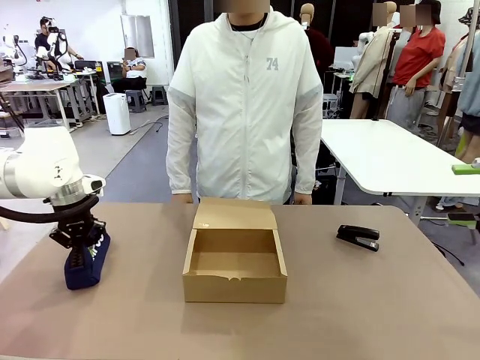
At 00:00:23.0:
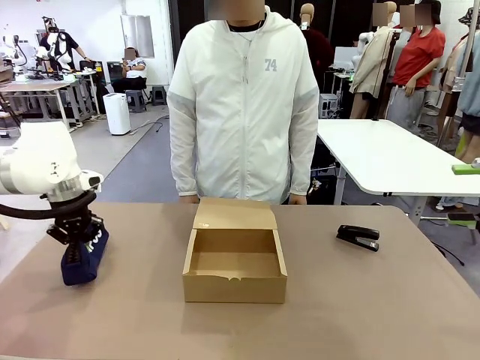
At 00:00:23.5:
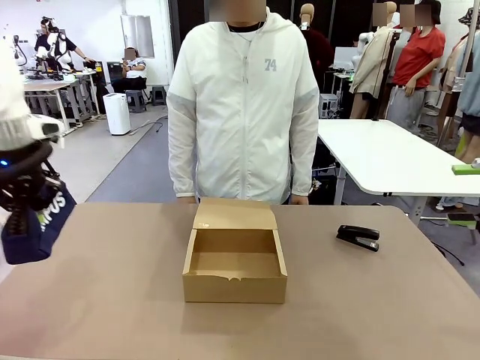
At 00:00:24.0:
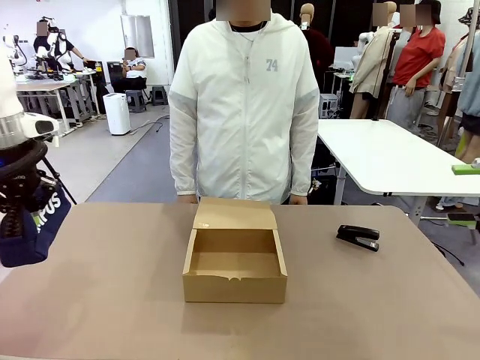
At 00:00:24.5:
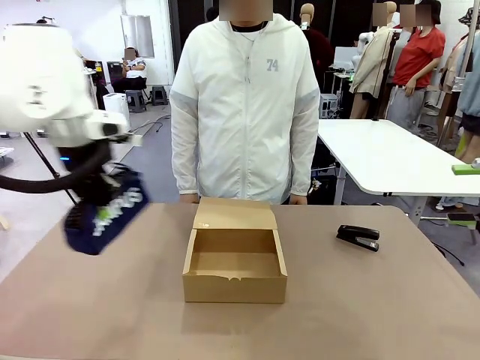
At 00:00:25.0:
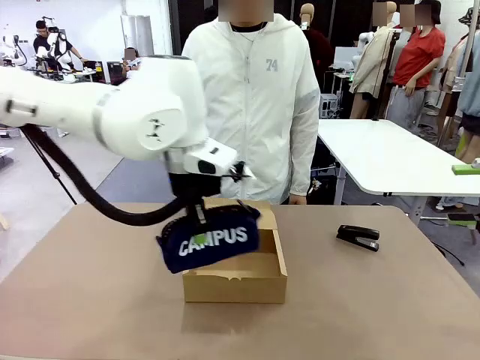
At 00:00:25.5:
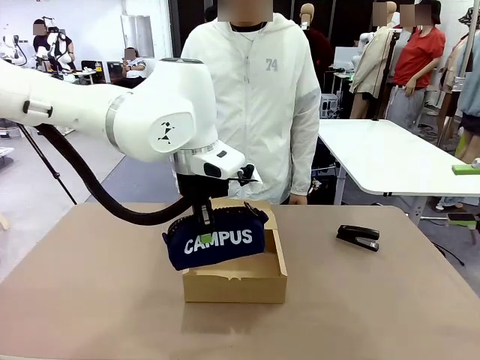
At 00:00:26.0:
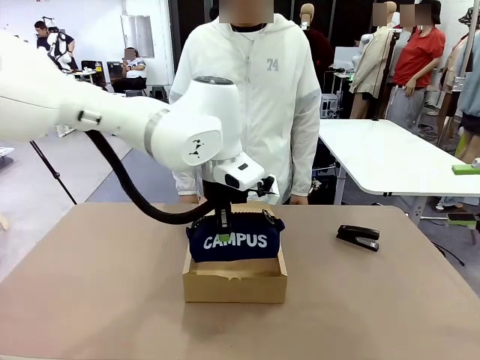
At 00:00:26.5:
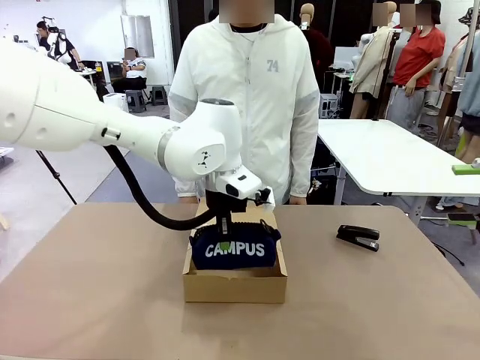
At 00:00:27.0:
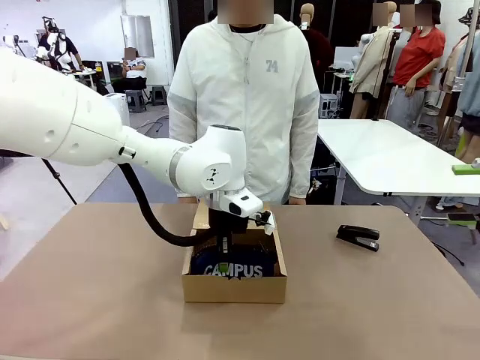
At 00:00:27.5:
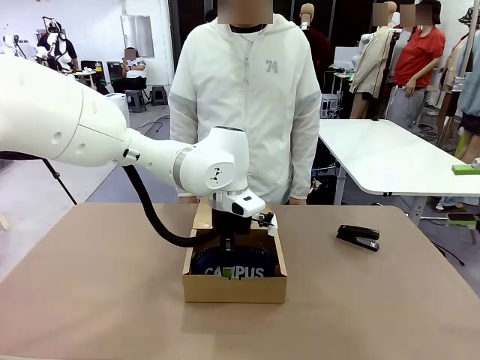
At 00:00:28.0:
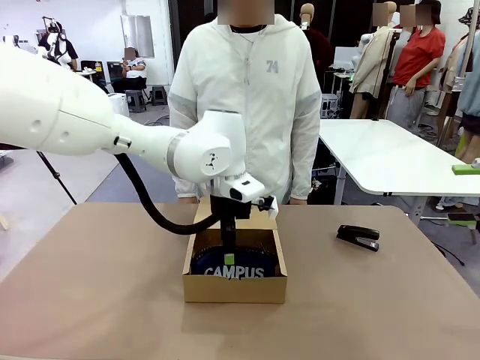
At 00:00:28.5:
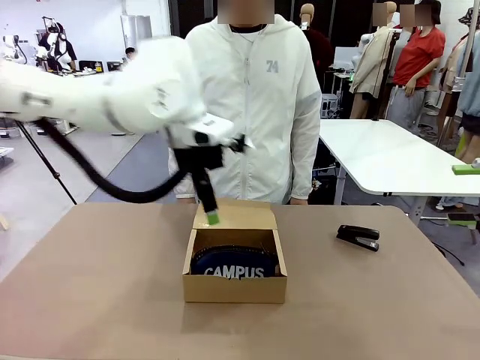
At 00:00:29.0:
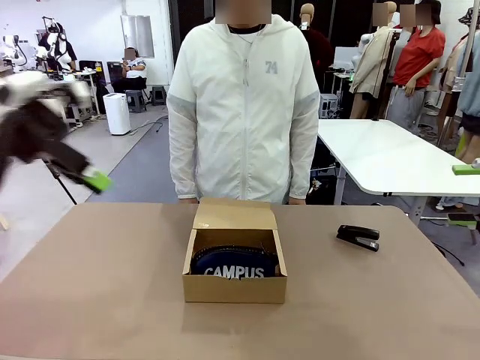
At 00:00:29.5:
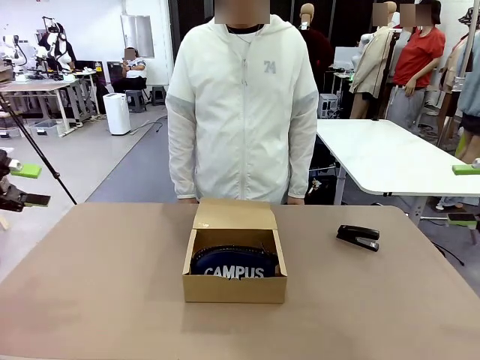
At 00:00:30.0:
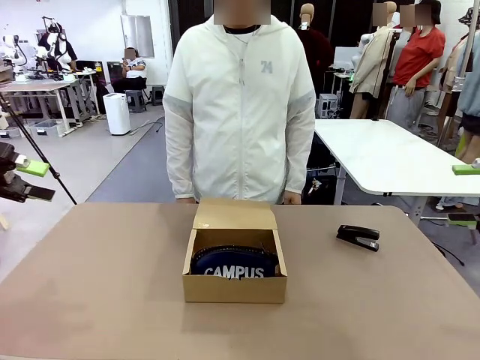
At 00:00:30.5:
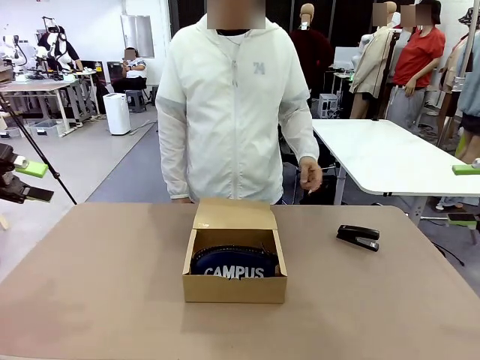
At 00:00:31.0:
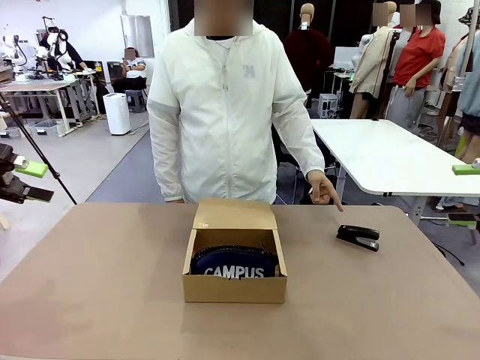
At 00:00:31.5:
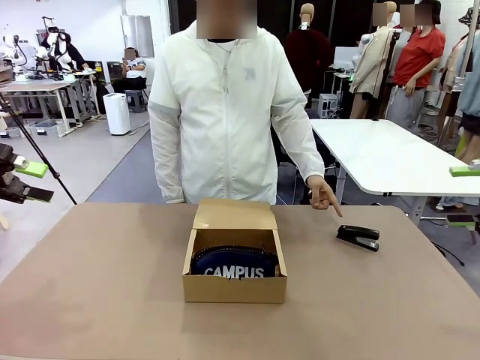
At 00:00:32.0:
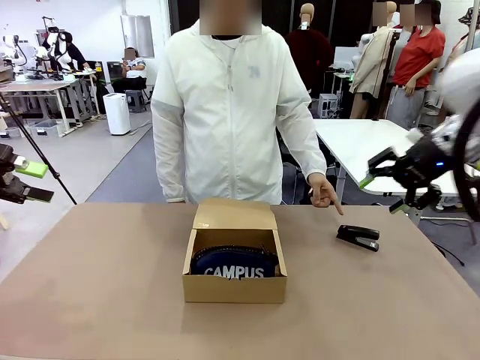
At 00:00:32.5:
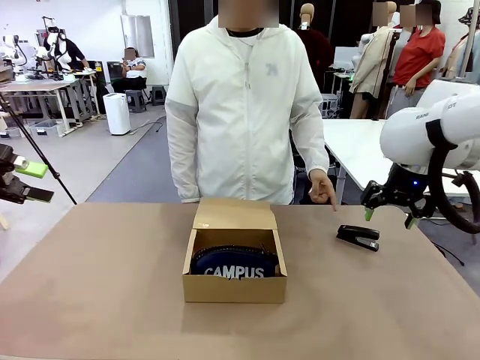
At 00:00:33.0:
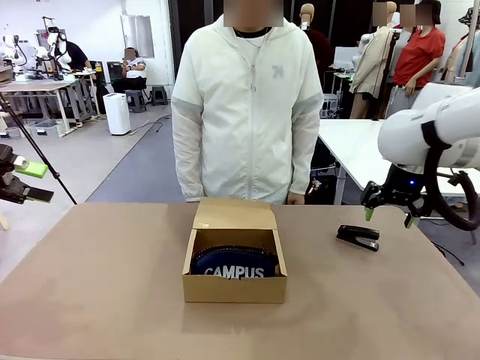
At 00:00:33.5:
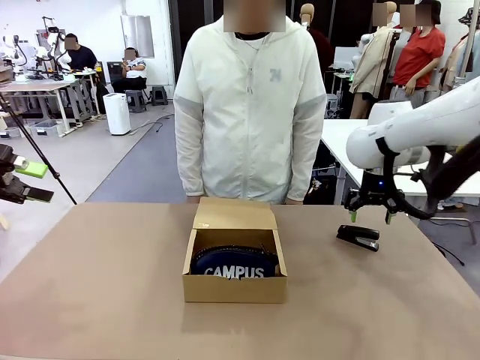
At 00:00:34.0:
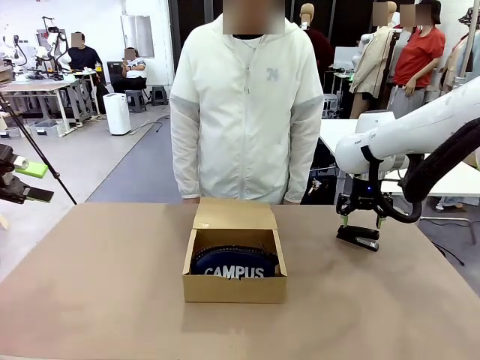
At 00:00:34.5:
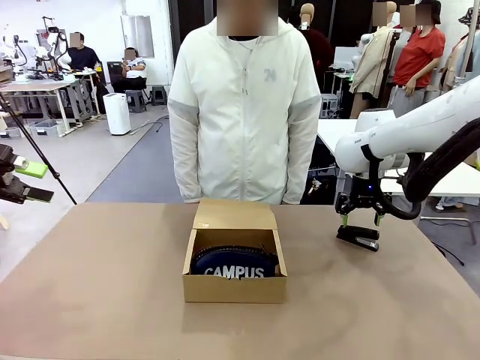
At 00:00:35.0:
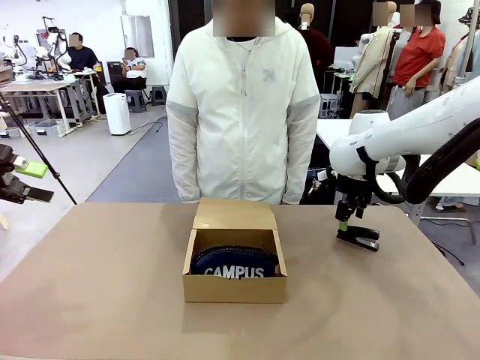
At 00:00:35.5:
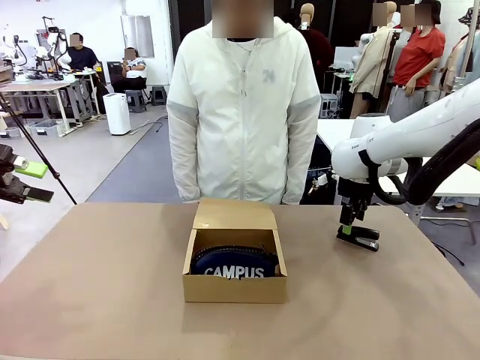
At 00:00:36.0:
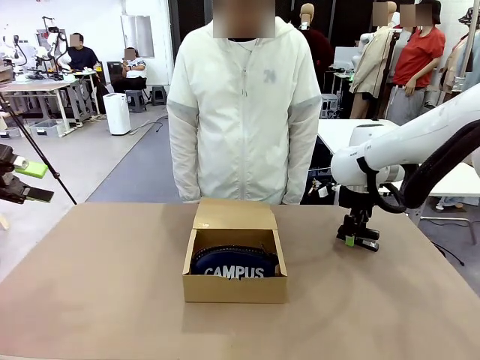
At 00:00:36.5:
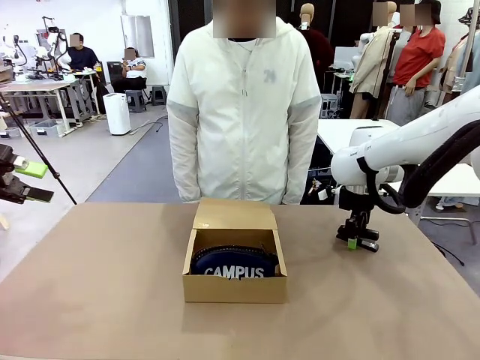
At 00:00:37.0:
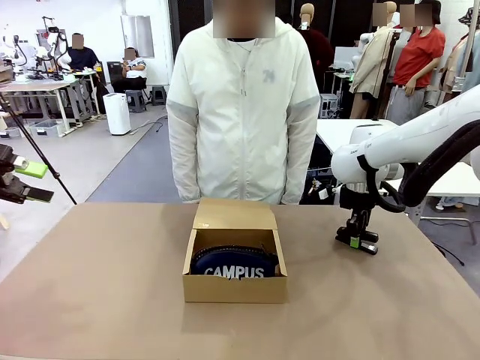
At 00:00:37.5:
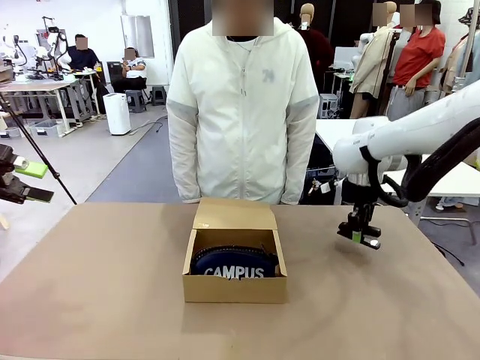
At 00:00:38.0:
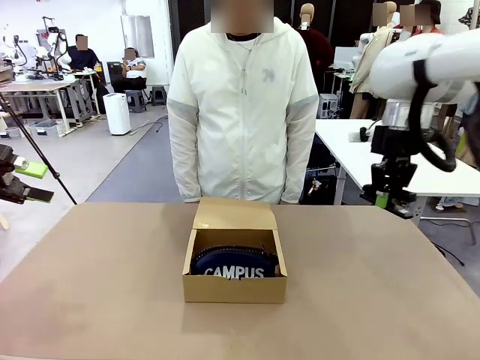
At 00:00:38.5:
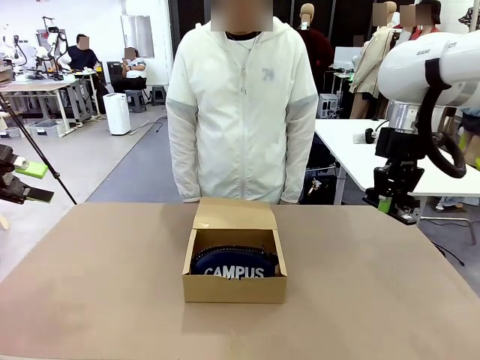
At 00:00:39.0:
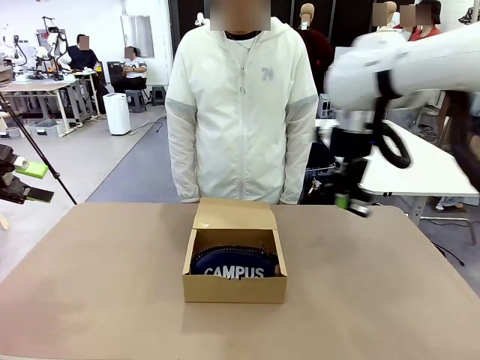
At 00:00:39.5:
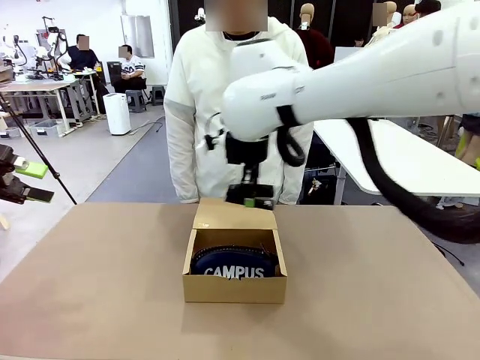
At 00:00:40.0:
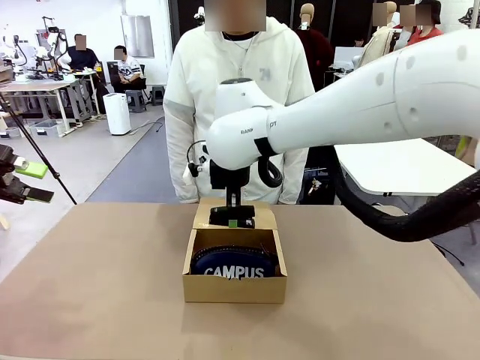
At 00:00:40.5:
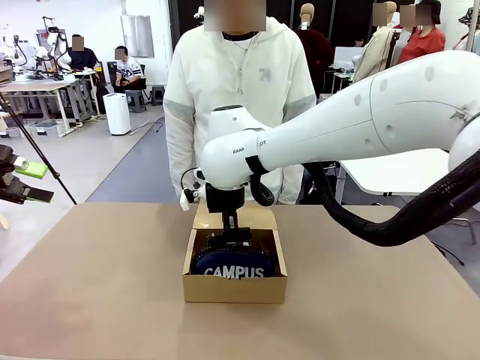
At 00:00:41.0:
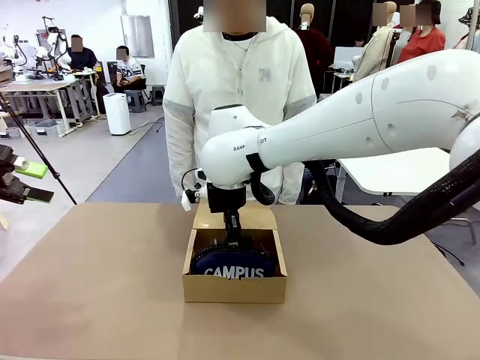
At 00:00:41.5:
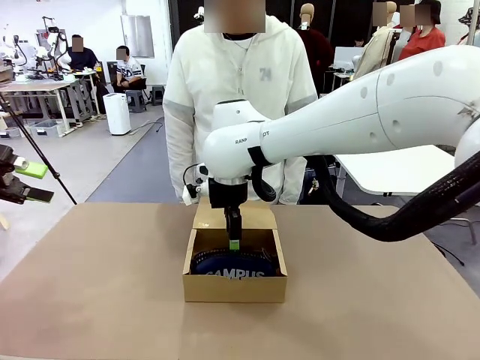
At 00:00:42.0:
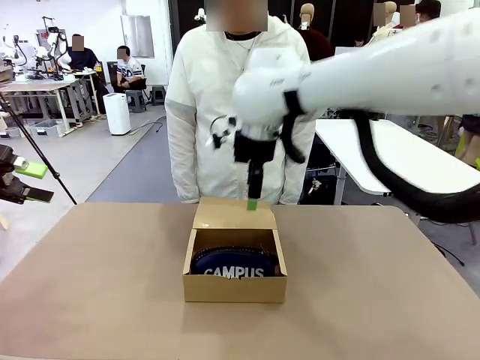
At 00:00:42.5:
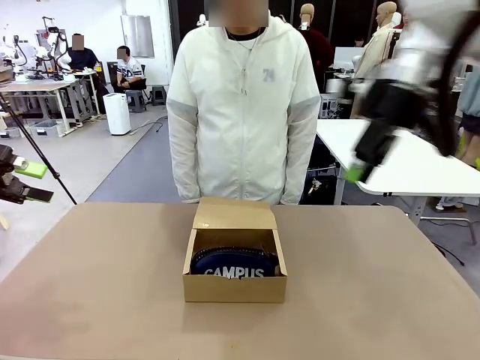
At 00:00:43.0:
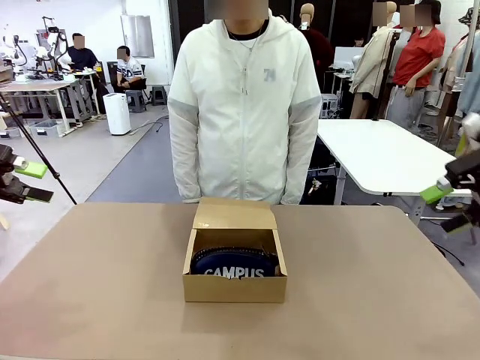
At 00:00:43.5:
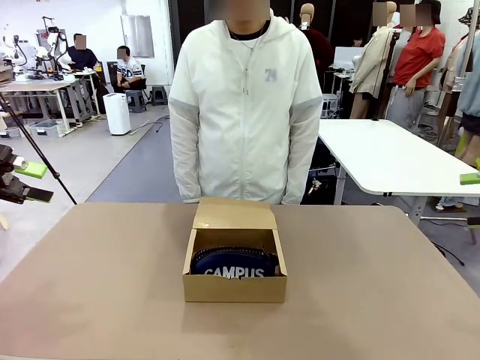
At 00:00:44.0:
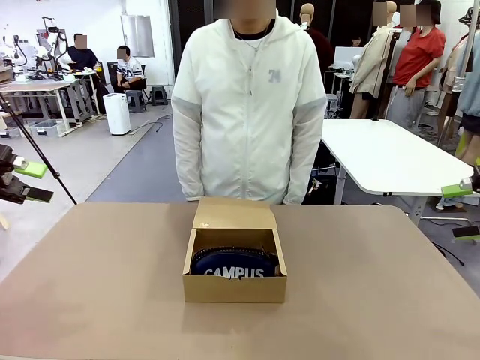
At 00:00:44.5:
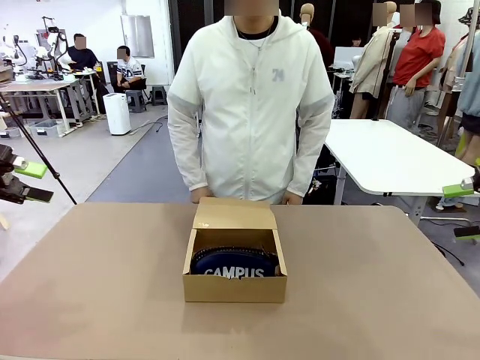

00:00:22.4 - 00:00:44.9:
Task: Pack the items into the box.
Robot: Pick up the item indicated by the person and place it inside the Mailer Box.
Person: Lower both hands vertically with palms facing downward, as if pressing something closed.
